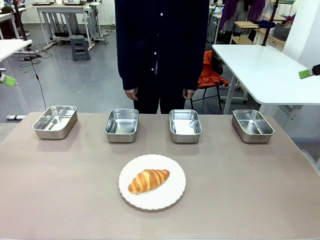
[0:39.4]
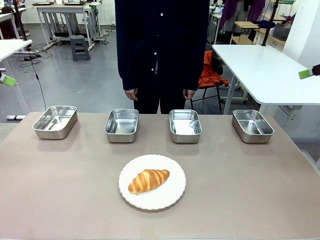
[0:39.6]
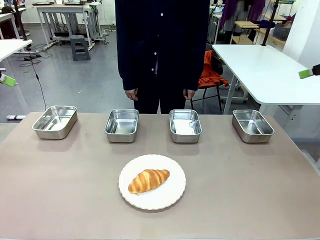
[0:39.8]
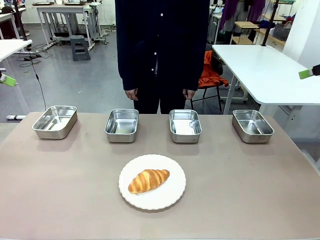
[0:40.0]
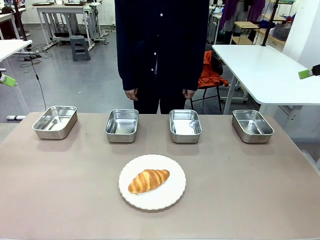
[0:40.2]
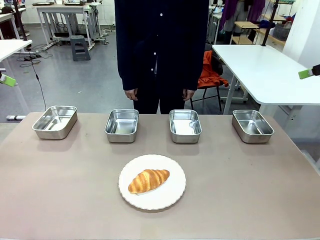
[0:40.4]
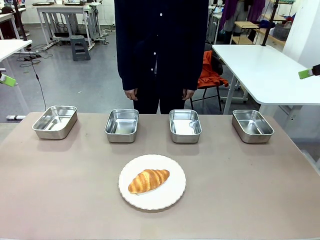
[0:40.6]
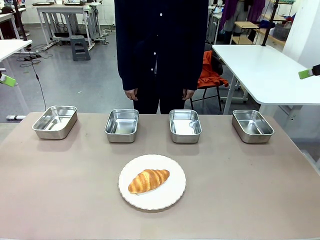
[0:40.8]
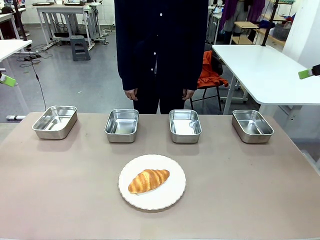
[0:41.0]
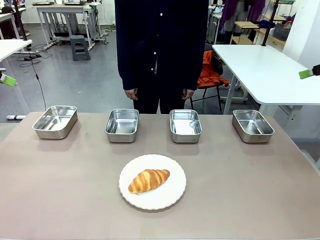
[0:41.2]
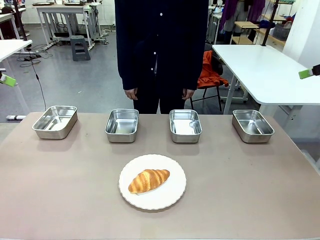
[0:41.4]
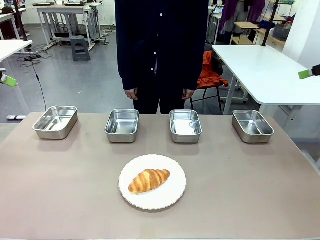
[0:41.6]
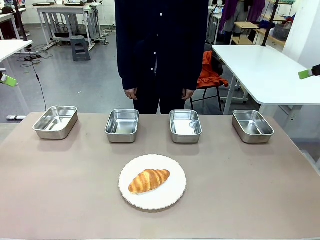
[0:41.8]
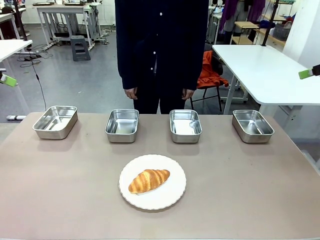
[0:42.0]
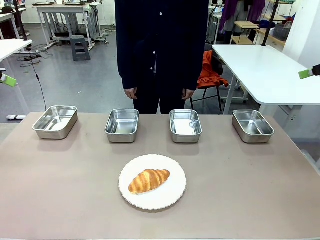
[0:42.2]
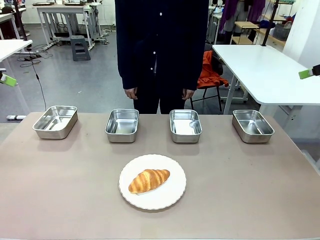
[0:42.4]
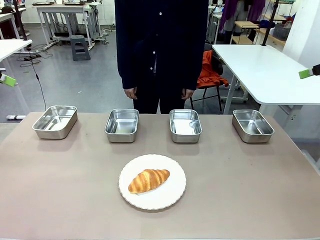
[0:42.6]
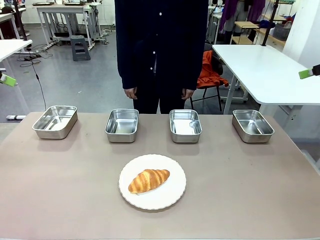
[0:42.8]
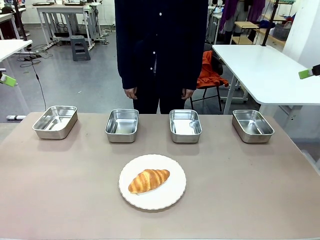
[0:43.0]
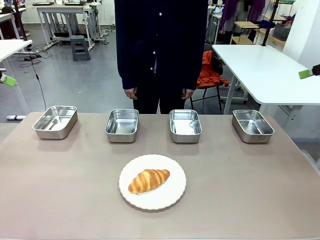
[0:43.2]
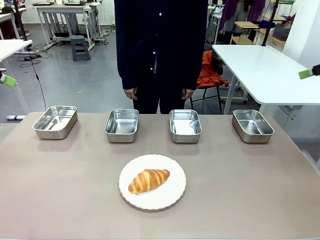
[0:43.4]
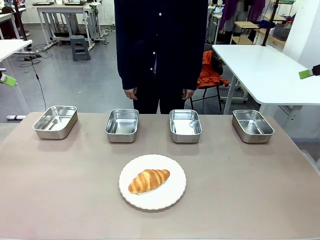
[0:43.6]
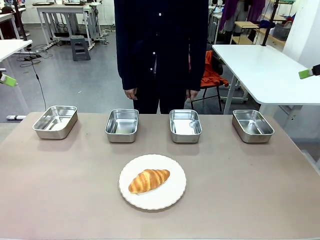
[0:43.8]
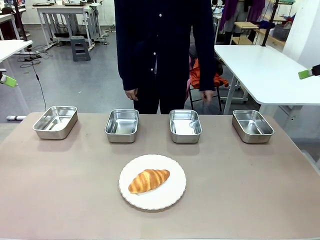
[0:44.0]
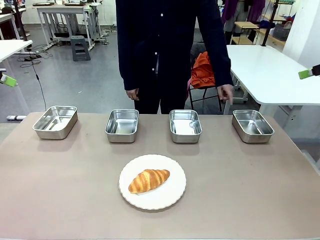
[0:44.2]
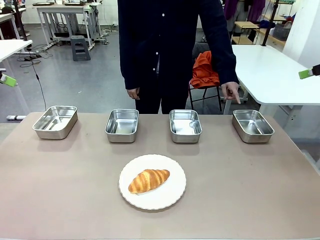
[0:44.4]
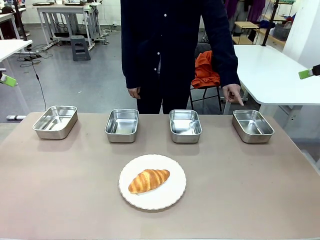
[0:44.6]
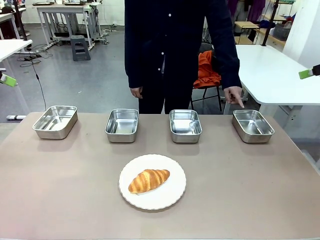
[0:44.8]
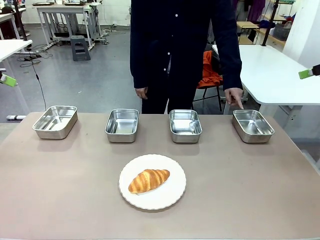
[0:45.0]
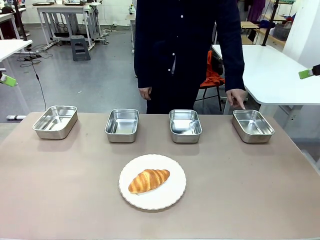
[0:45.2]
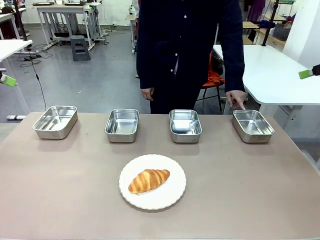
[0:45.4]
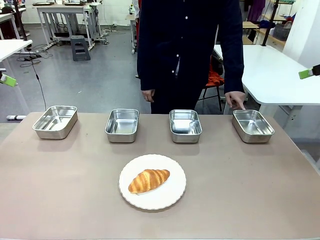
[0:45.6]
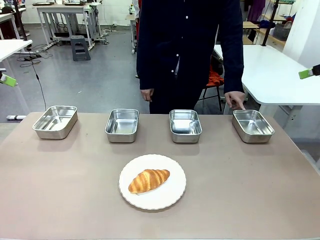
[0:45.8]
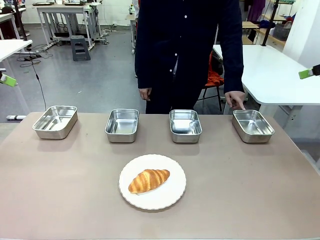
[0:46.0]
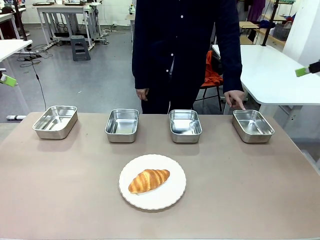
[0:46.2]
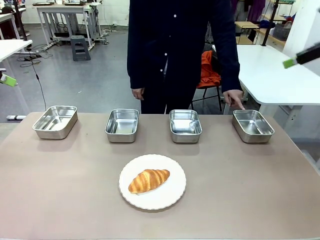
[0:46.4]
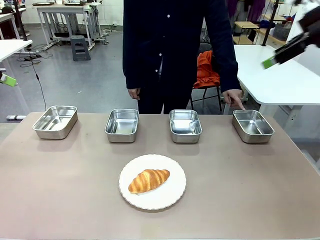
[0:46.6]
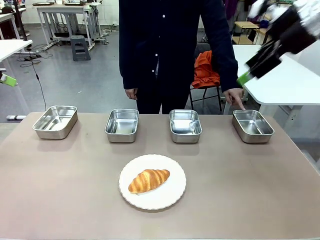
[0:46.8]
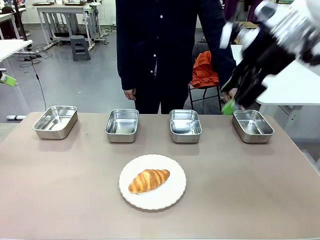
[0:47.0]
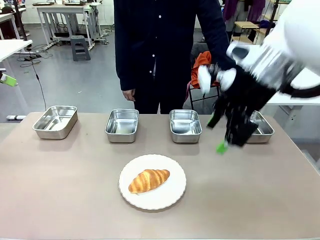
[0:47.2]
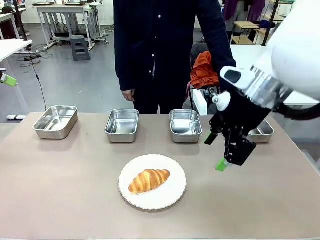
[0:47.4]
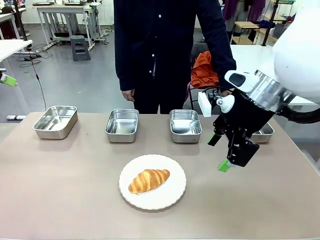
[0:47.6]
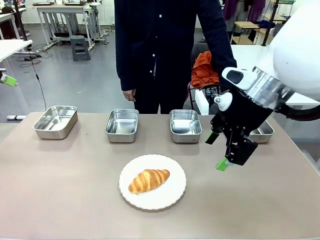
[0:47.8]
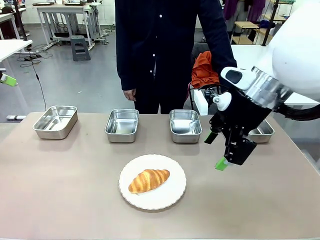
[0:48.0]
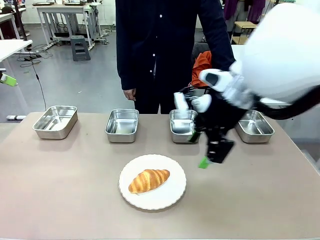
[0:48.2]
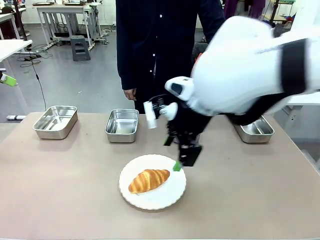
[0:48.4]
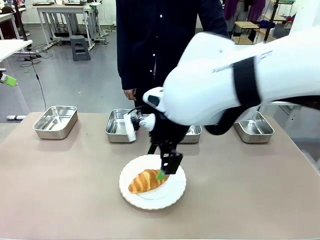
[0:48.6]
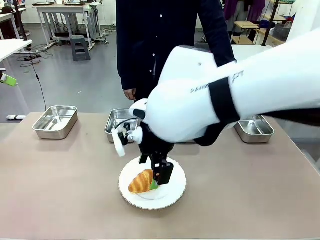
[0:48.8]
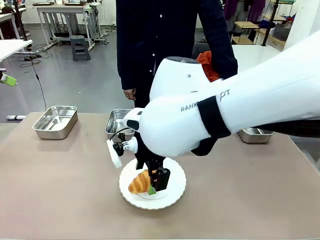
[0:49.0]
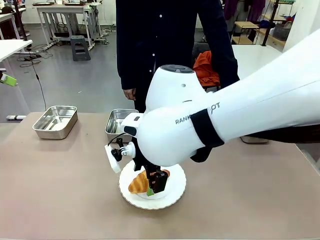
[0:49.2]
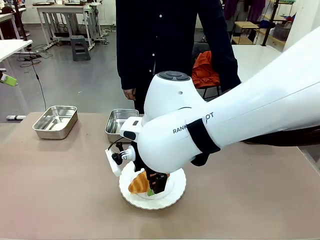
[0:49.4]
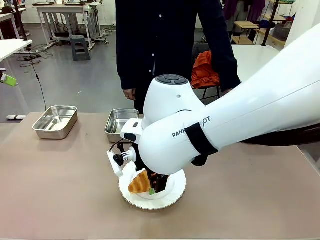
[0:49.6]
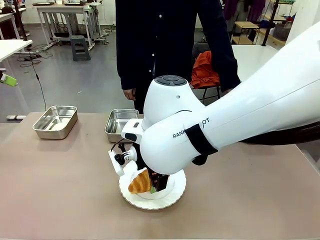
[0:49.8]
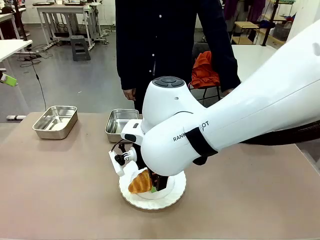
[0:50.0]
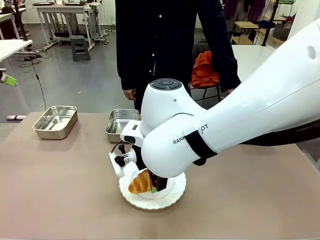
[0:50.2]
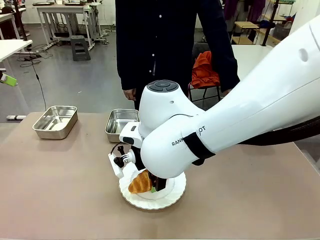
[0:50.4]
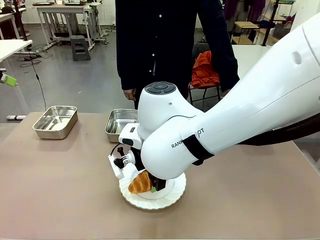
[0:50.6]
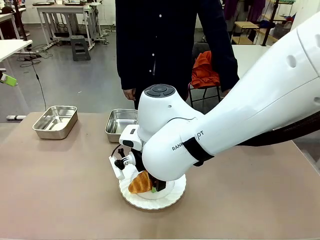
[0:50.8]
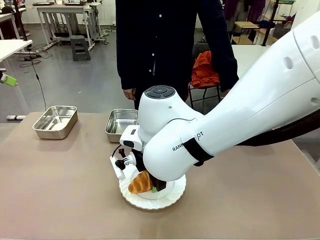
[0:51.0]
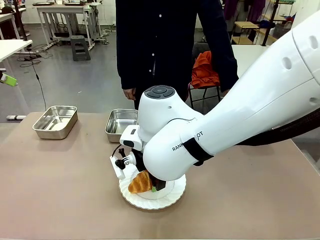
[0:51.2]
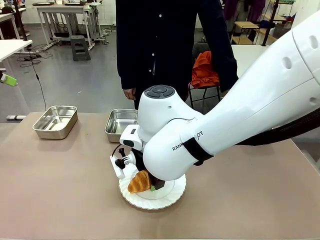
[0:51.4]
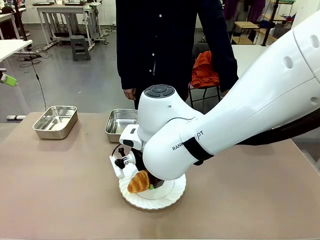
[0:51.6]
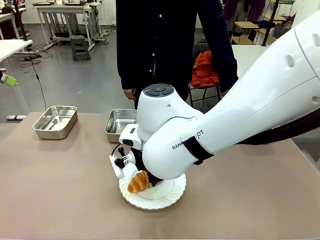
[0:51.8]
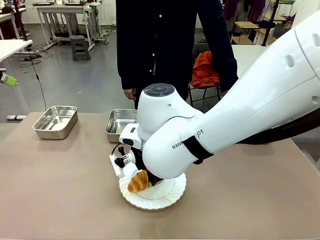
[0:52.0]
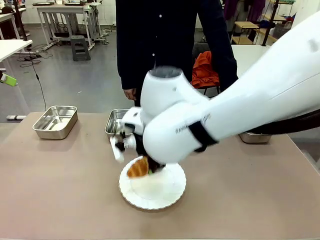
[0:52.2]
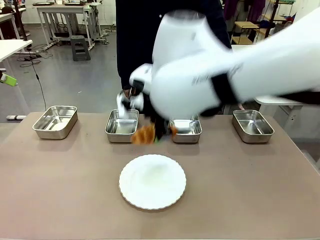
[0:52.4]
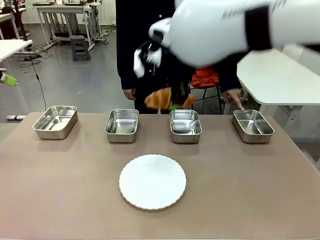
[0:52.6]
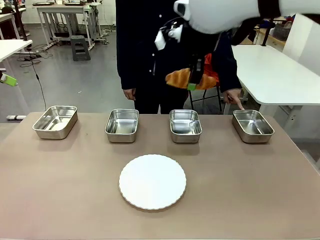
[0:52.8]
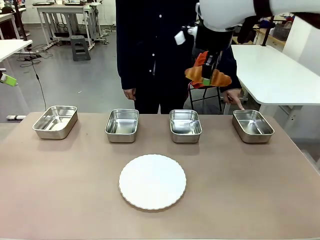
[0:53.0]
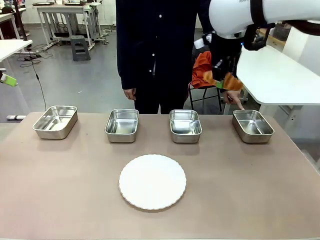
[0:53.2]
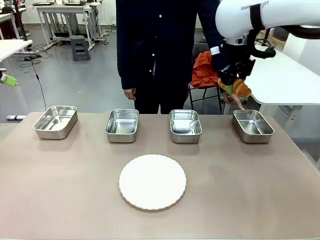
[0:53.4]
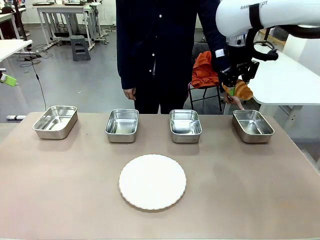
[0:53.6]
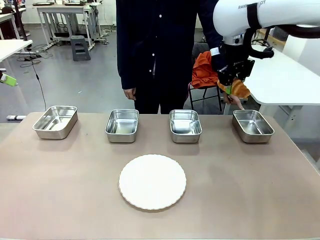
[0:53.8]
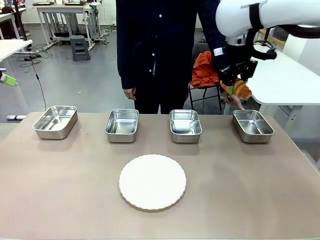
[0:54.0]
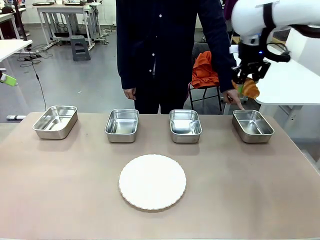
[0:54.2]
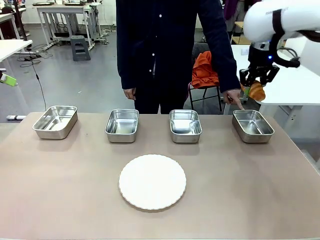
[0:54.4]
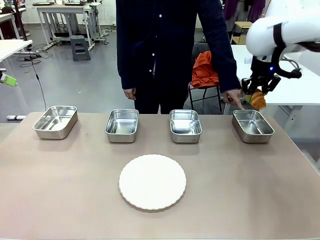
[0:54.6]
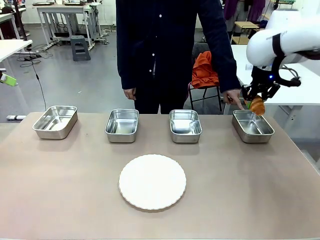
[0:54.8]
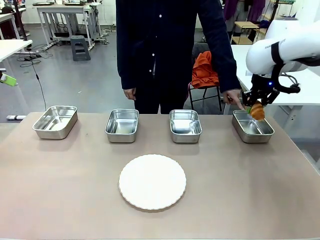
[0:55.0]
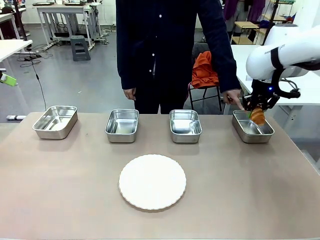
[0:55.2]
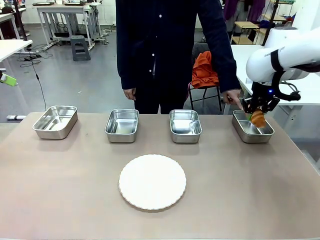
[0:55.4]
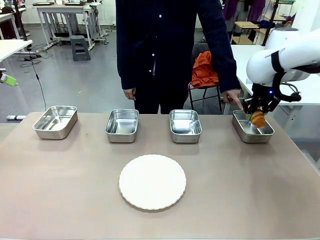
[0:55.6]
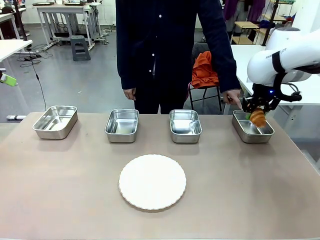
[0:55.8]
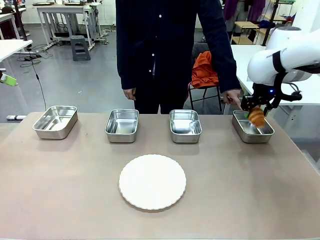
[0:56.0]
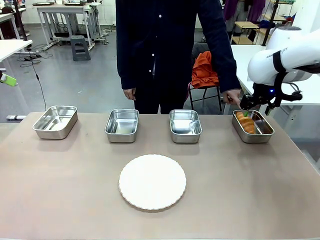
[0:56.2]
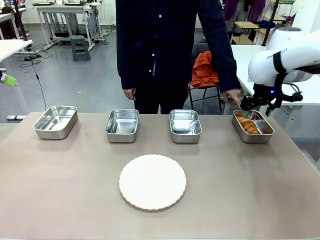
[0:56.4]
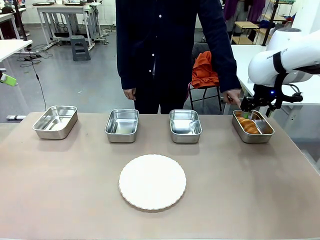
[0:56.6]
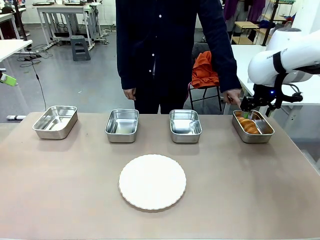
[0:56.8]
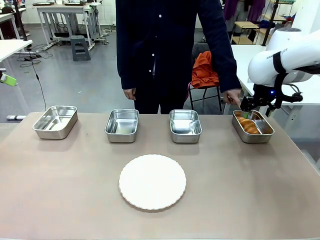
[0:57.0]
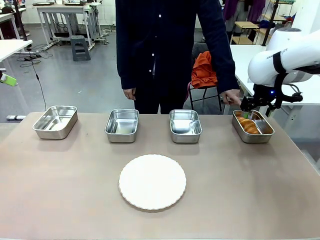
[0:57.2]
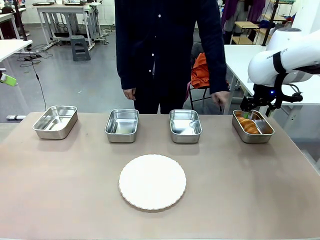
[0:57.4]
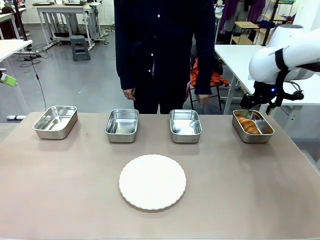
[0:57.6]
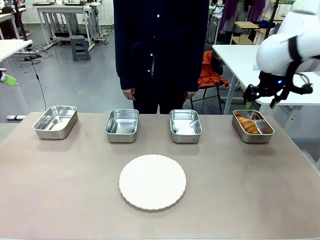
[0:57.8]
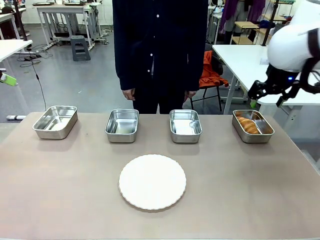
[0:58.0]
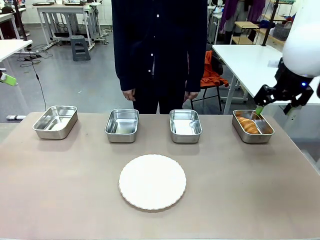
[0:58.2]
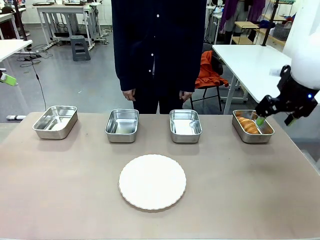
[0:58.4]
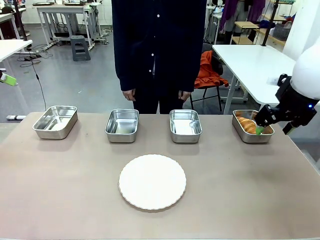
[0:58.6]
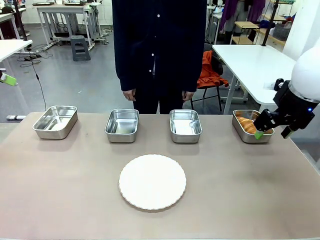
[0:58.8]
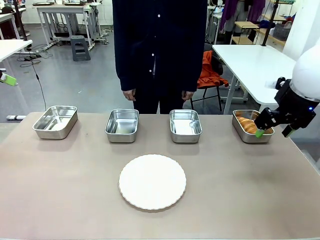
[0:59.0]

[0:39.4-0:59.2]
Task: Place the bread in the container.
Robot: Place the Butter Roll into the Airtight Container indicated by the human.
